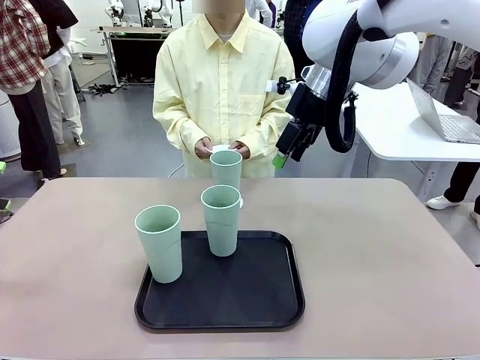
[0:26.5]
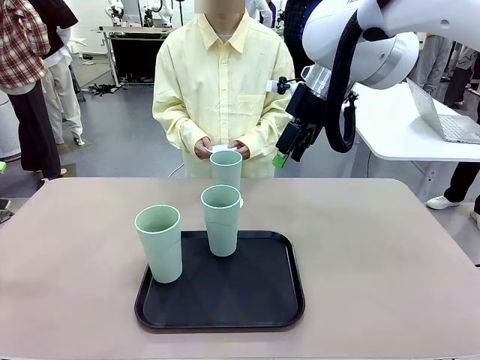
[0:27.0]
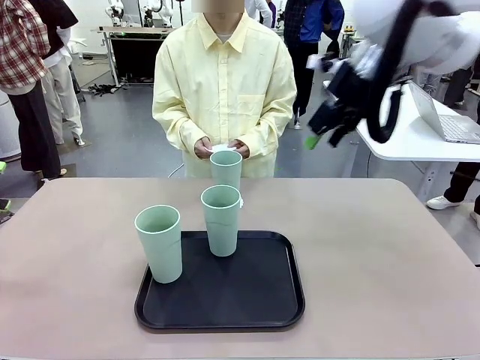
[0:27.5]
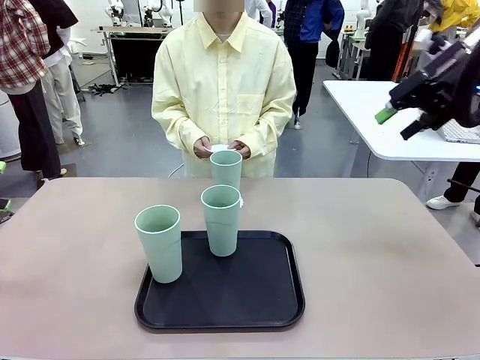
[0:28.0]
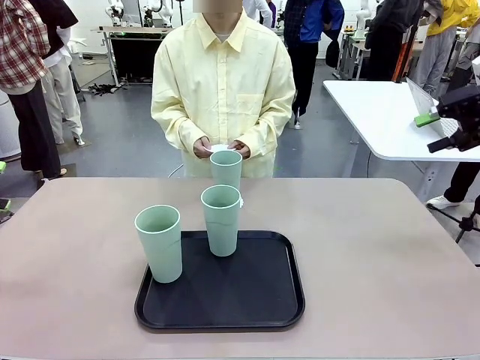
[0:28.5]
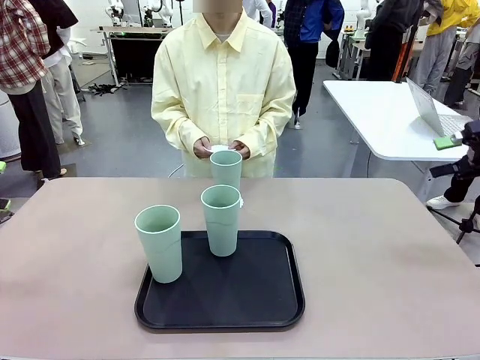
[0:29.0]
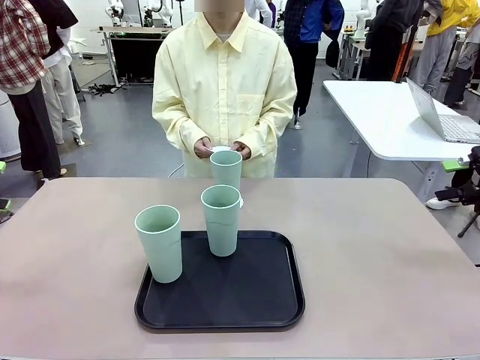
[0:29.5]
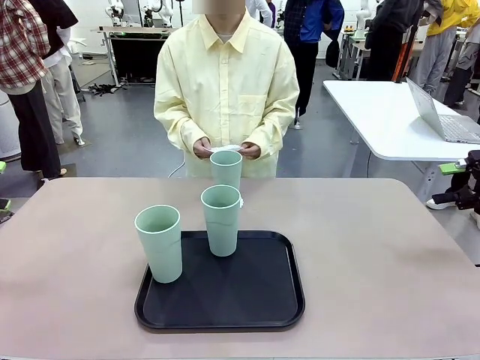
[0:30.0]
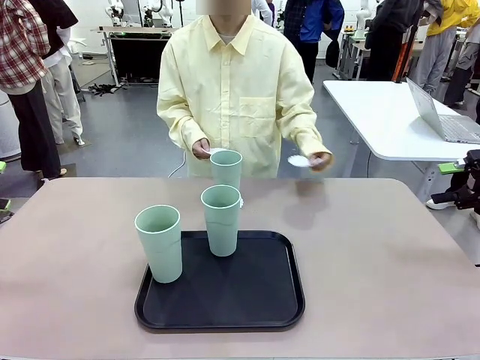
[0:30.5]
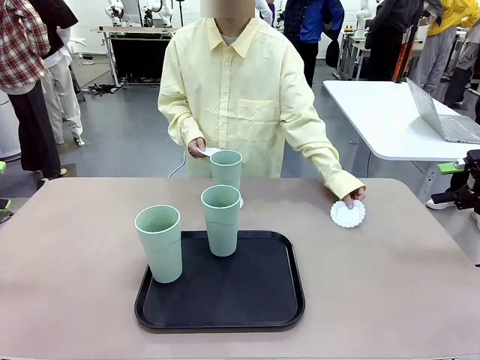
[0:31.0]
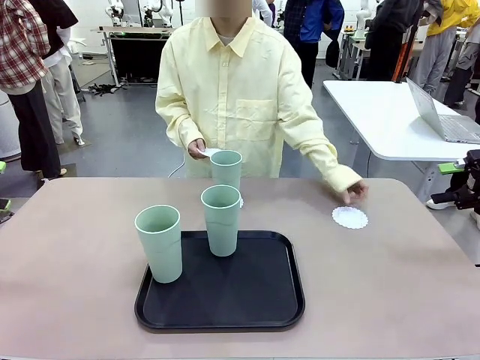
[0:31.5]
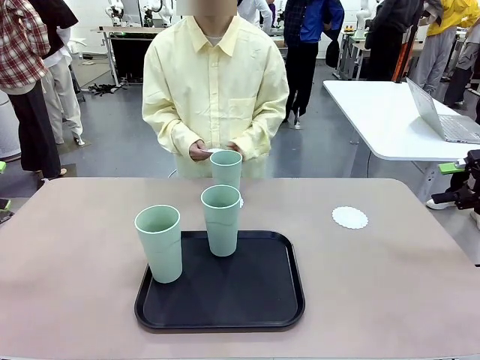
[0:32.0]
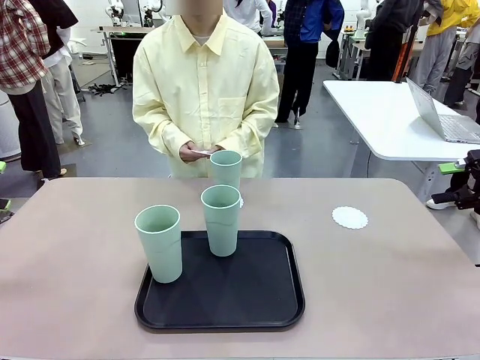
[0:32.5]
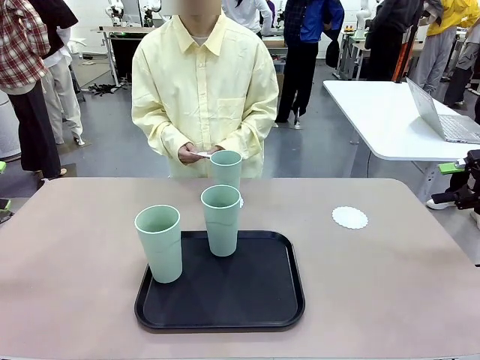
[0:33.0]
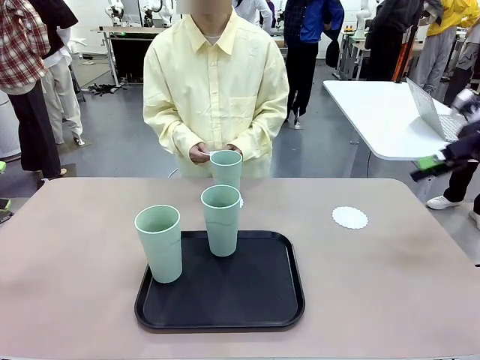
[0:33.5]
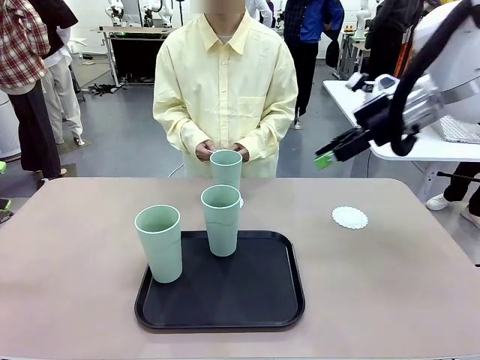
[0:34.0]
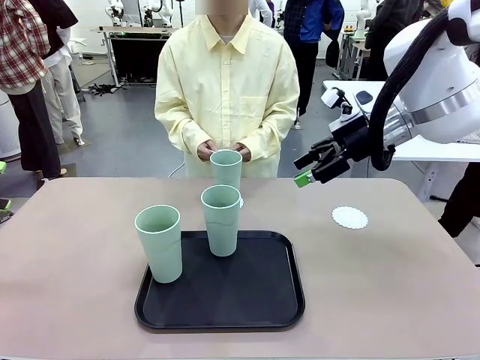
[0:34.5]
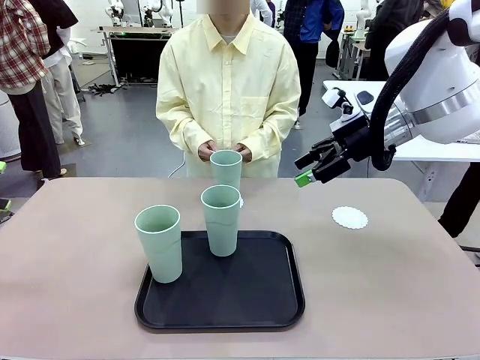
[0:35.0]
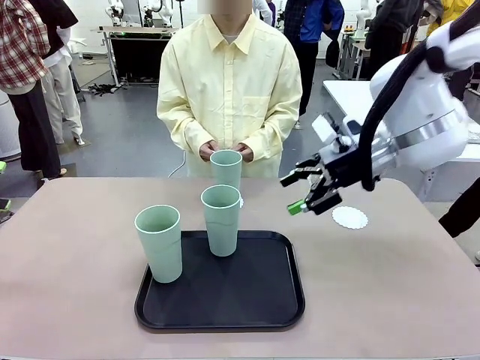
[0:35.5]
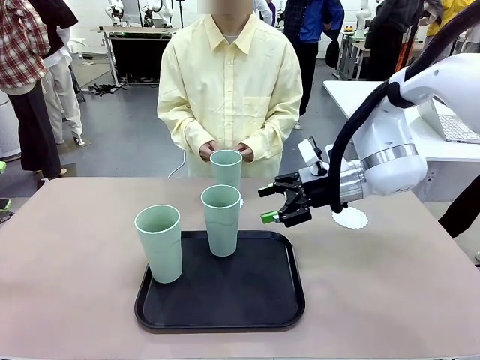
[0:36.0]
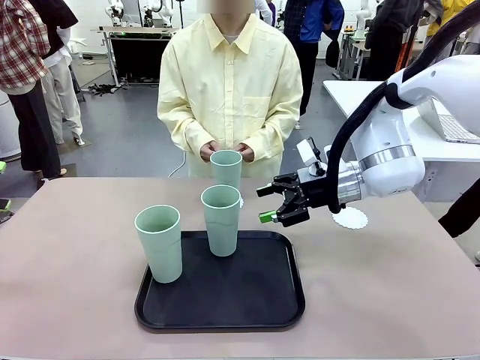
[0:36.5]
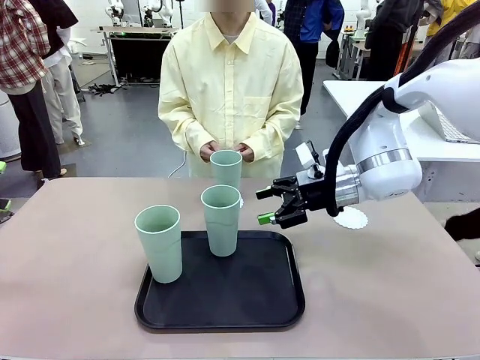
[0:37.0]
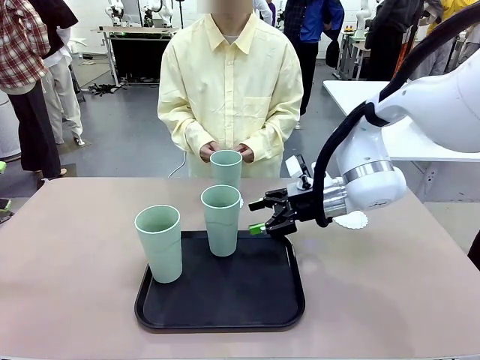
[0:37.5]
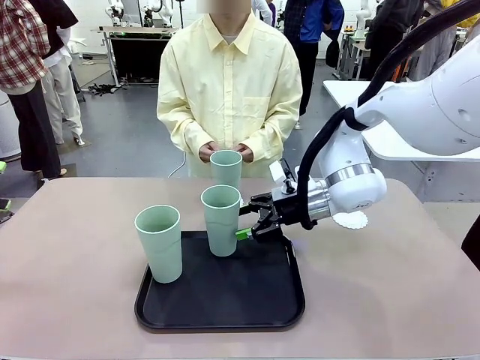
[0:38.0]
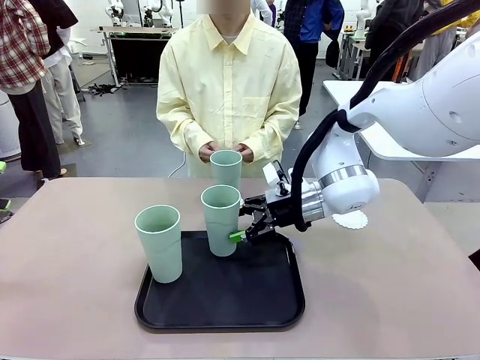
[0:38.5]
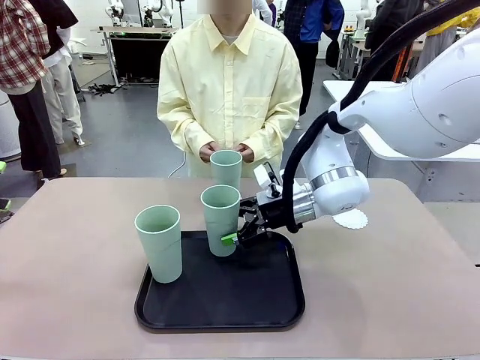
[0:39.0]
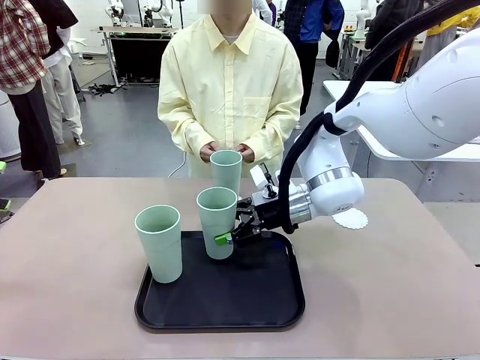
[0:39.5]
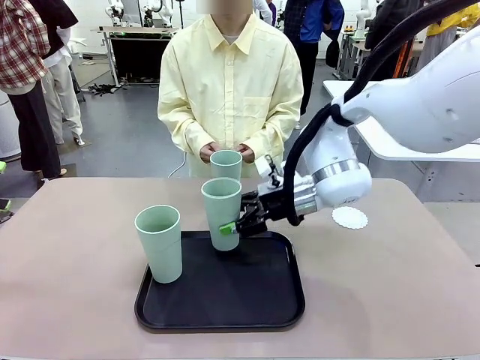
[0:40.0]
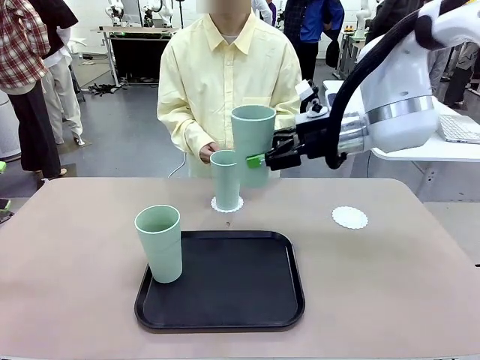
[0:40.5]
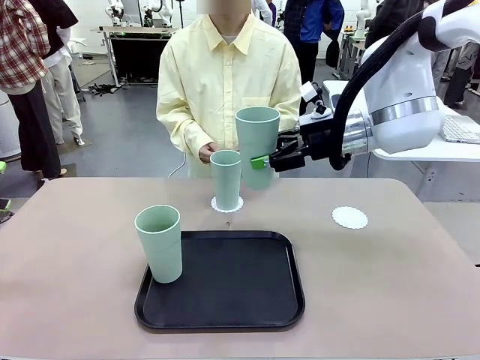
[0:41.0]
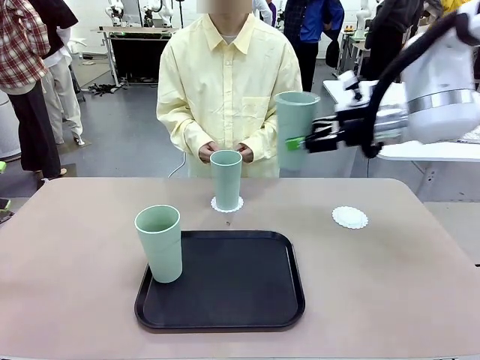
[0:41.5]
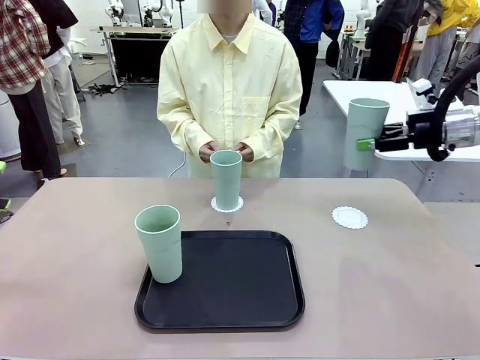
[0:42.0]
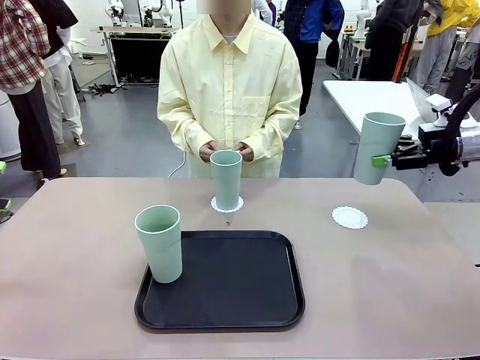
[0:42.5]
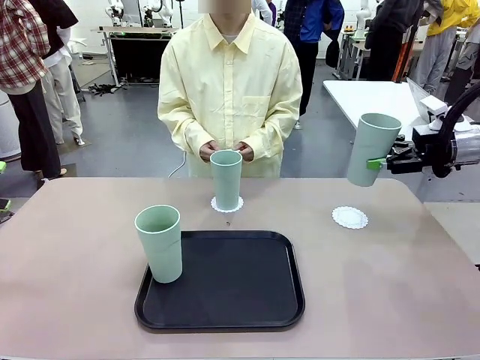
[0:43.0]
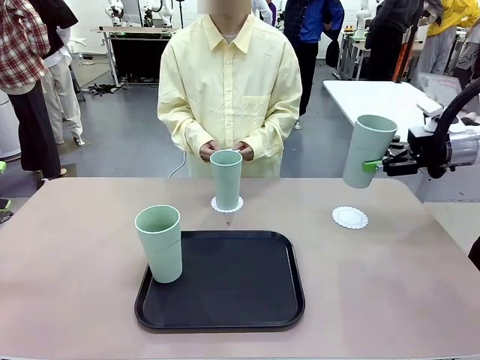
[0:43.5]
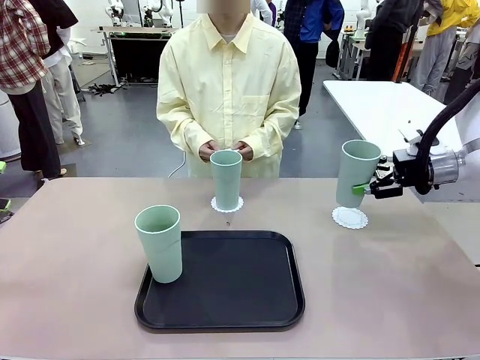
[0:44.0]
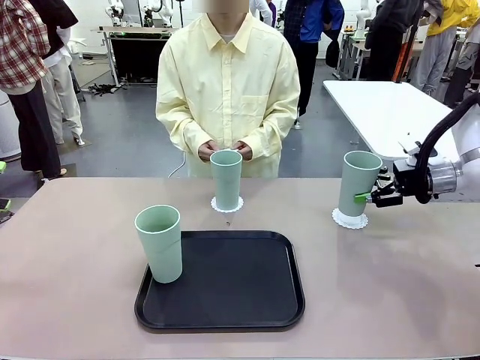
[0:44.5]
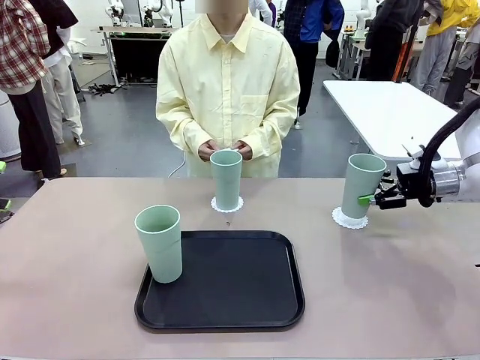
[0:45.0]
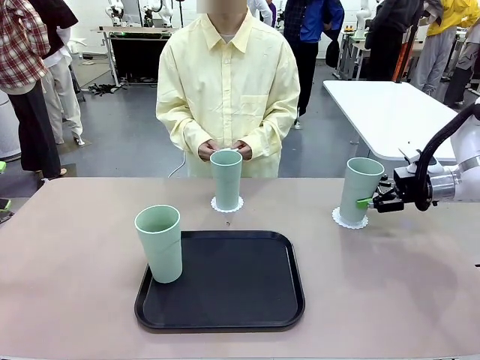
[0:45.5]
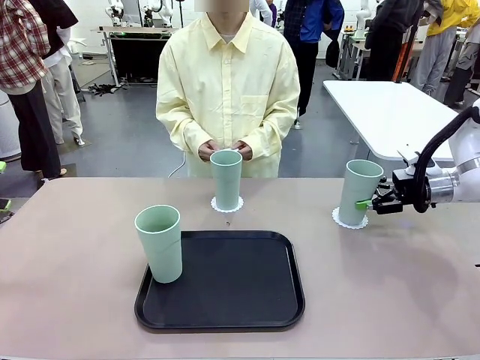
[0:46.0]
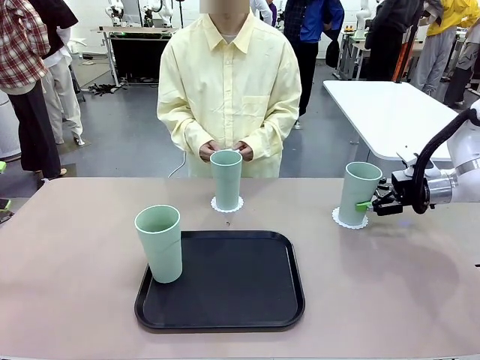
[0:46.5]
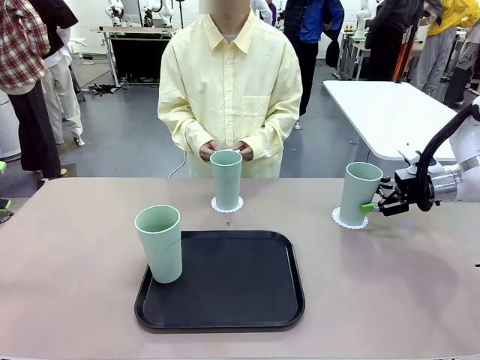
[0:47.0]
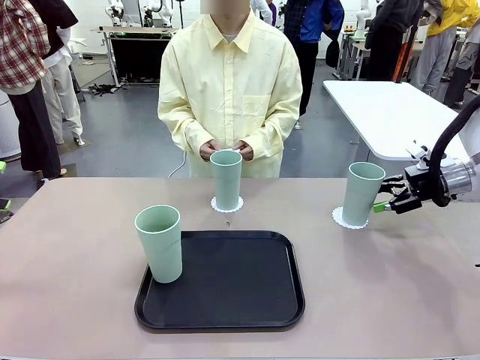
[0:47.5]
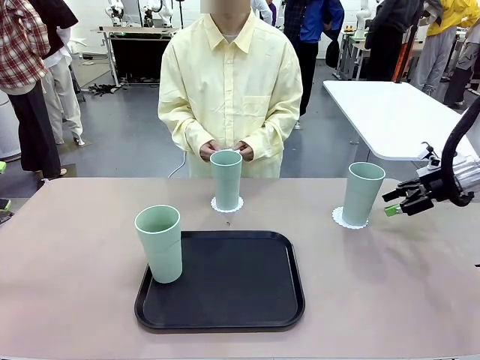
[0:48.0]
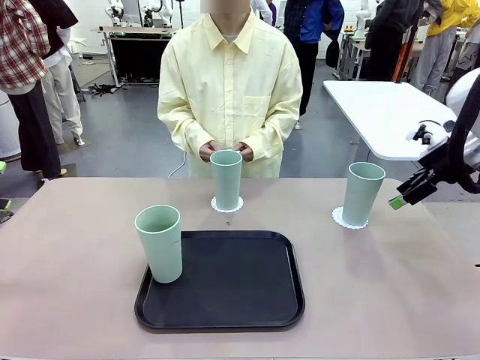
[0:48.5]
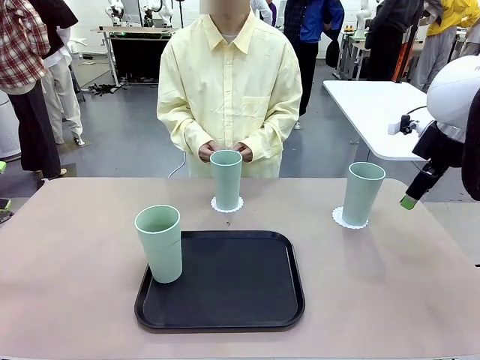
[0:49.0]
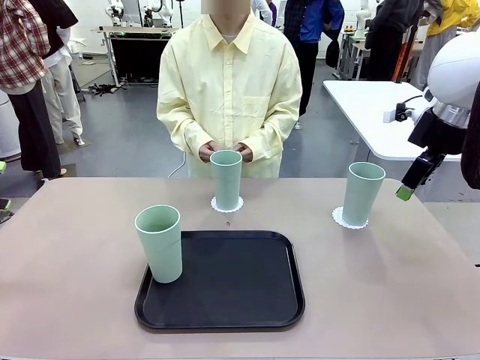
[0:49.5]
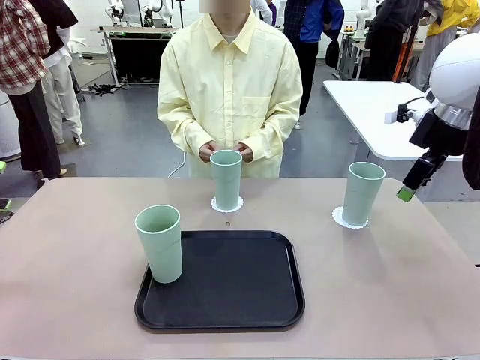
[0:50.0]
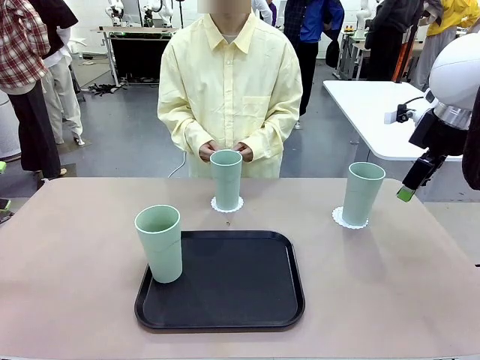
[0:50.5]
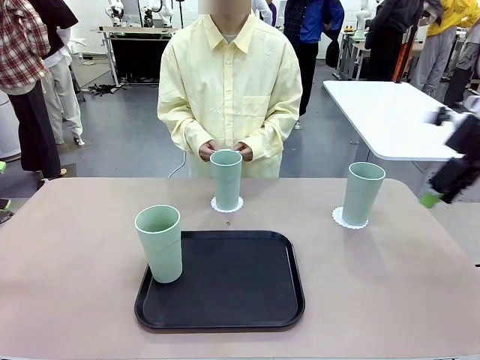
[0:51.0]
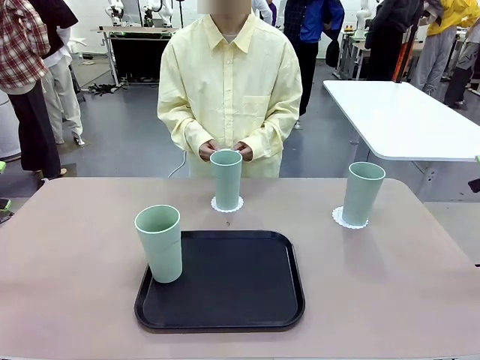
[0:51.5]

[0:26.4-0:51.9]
Task: Place coasters on the table and set cups on them.
Robot: Take one Reusable plastic cup from the Flat Tray and place it on a coaster set by the human.
